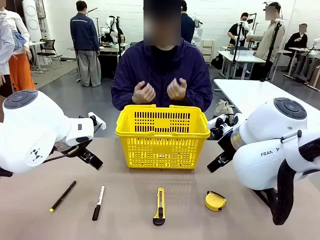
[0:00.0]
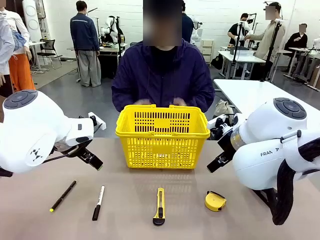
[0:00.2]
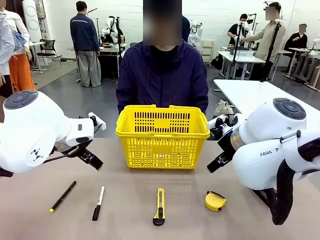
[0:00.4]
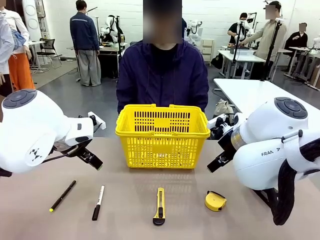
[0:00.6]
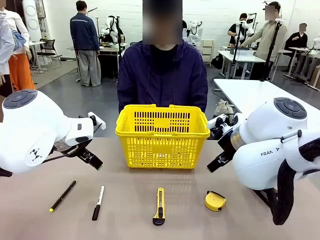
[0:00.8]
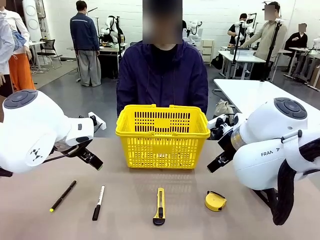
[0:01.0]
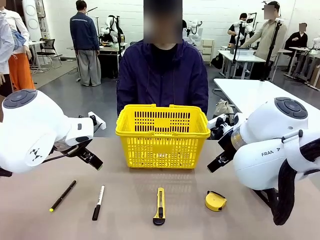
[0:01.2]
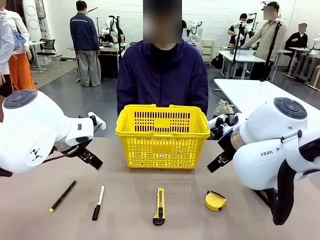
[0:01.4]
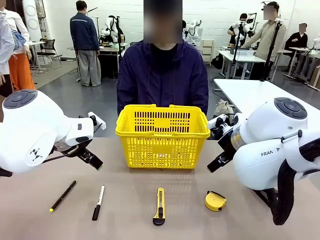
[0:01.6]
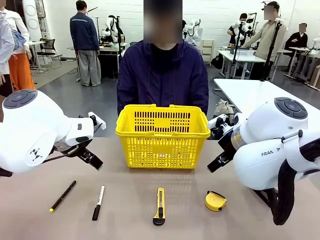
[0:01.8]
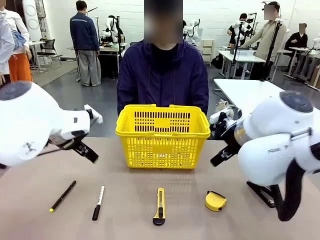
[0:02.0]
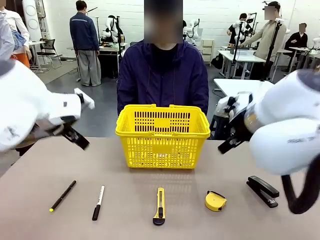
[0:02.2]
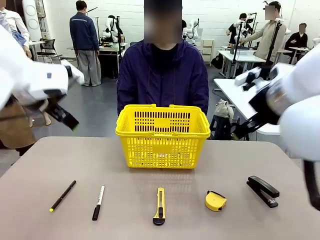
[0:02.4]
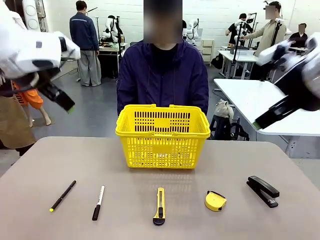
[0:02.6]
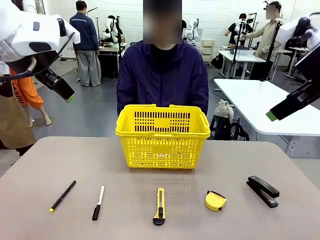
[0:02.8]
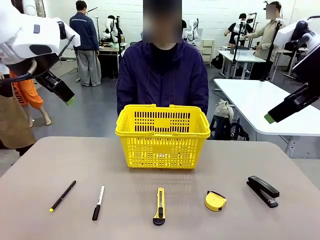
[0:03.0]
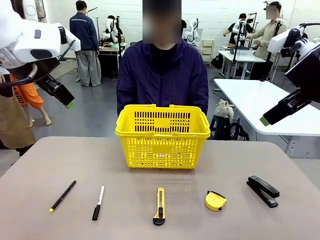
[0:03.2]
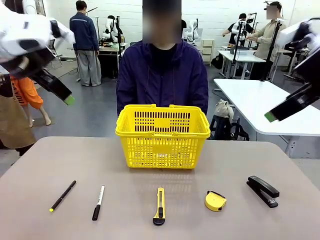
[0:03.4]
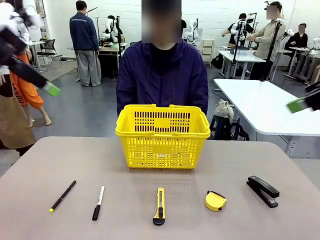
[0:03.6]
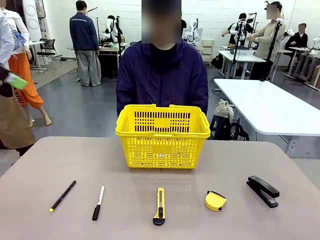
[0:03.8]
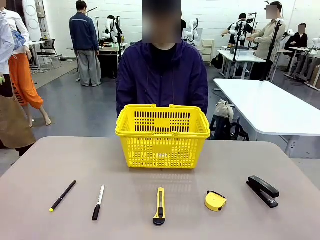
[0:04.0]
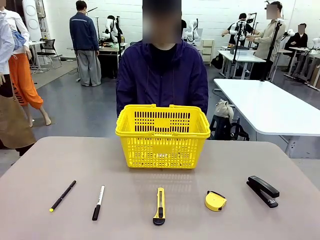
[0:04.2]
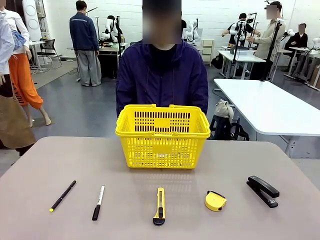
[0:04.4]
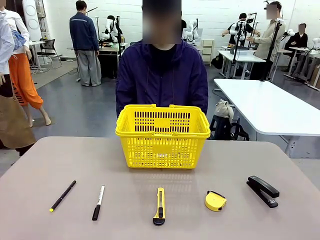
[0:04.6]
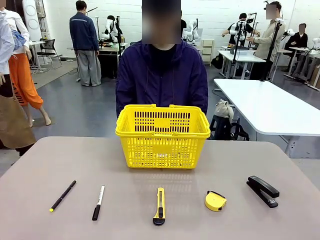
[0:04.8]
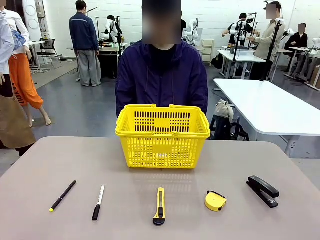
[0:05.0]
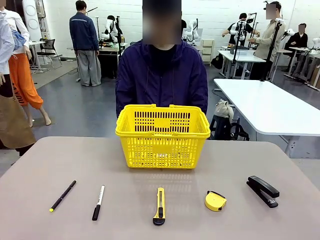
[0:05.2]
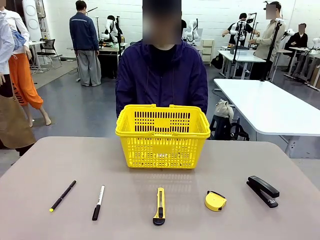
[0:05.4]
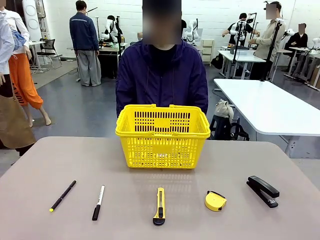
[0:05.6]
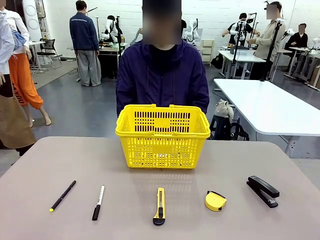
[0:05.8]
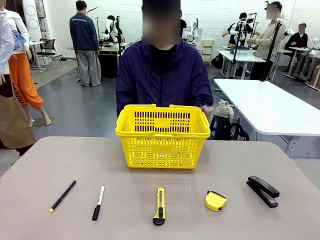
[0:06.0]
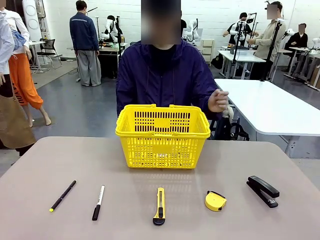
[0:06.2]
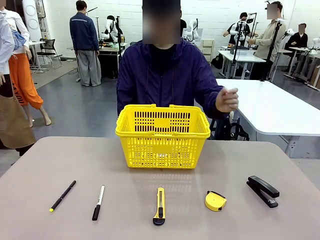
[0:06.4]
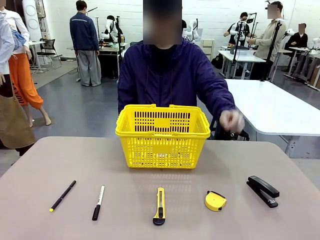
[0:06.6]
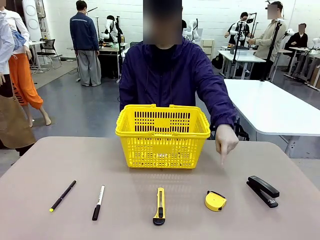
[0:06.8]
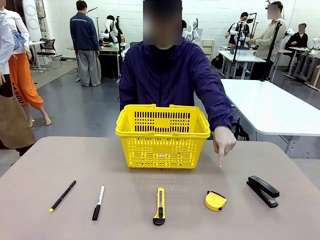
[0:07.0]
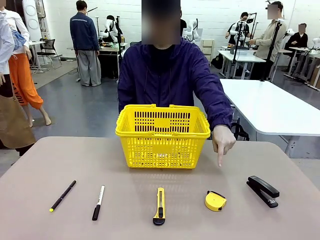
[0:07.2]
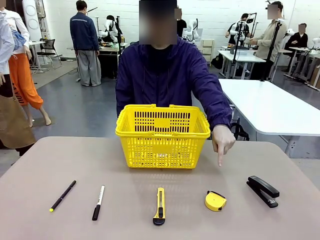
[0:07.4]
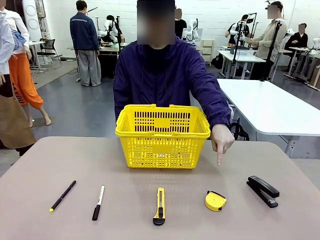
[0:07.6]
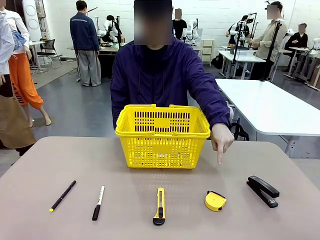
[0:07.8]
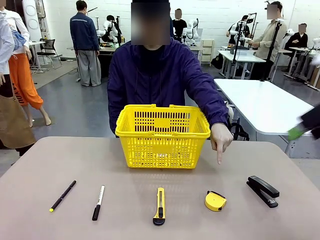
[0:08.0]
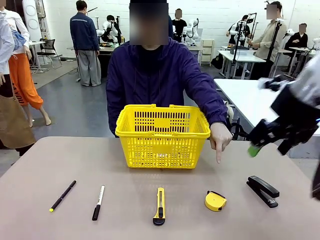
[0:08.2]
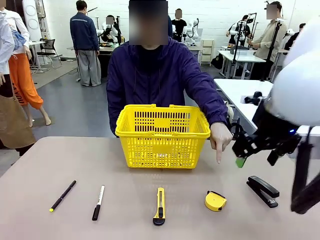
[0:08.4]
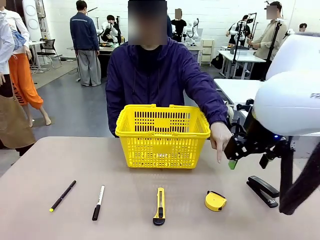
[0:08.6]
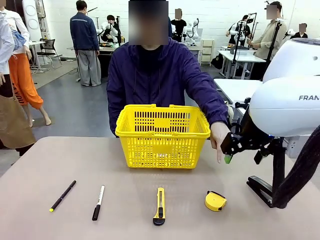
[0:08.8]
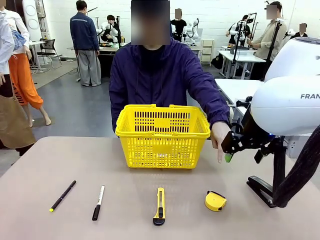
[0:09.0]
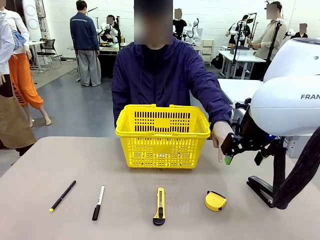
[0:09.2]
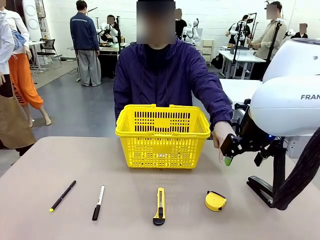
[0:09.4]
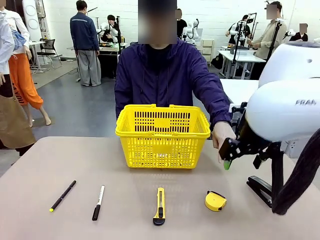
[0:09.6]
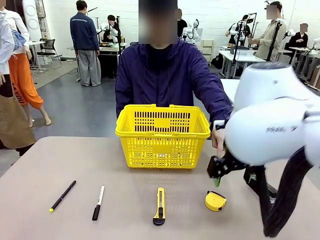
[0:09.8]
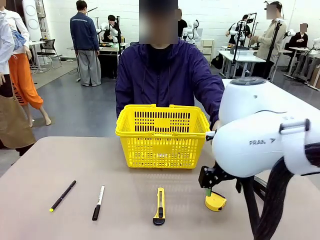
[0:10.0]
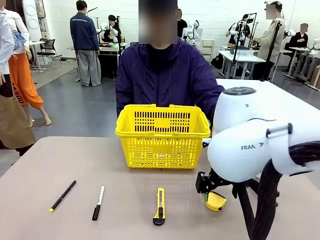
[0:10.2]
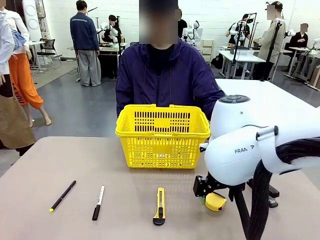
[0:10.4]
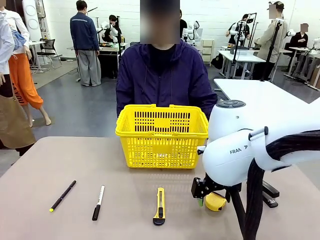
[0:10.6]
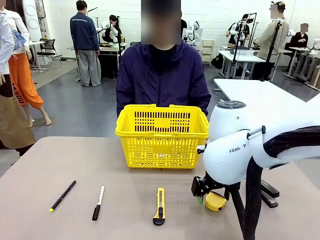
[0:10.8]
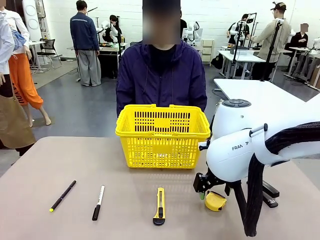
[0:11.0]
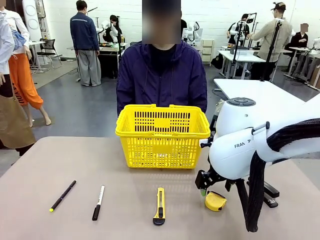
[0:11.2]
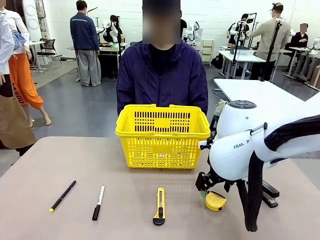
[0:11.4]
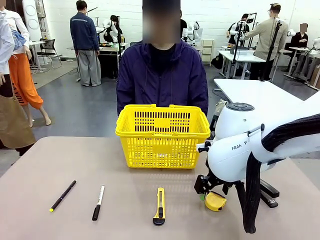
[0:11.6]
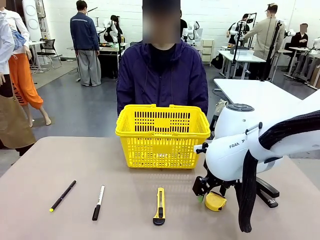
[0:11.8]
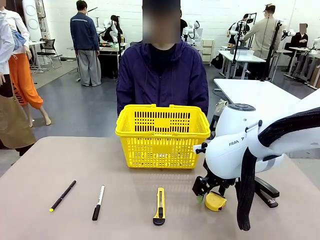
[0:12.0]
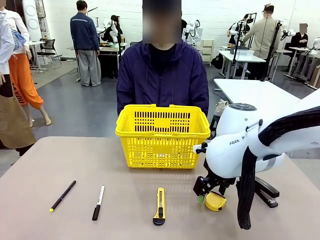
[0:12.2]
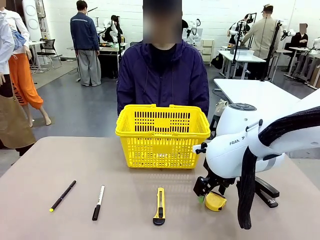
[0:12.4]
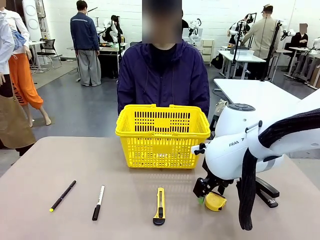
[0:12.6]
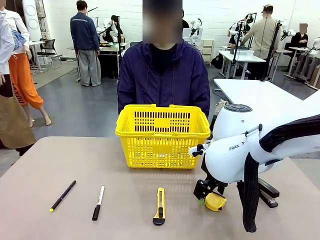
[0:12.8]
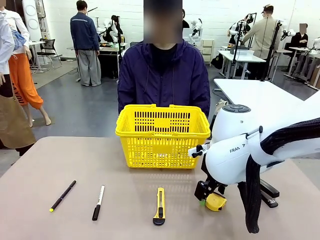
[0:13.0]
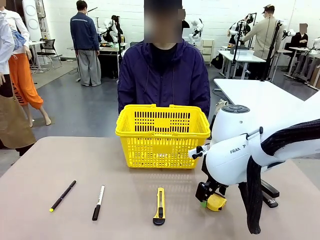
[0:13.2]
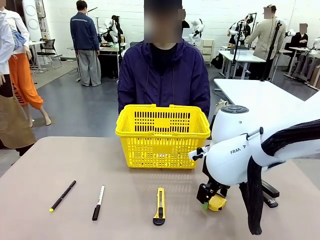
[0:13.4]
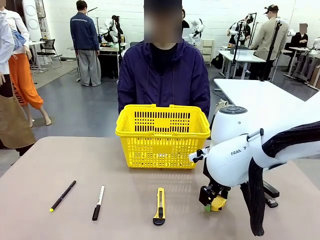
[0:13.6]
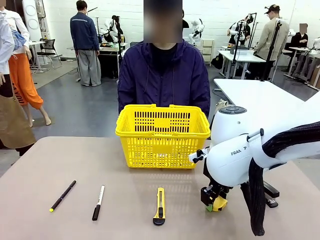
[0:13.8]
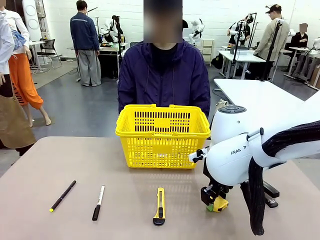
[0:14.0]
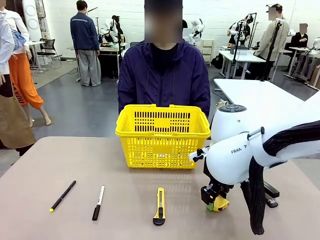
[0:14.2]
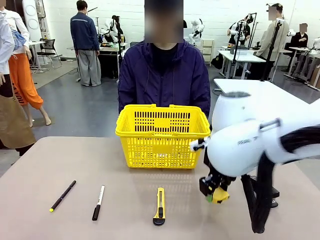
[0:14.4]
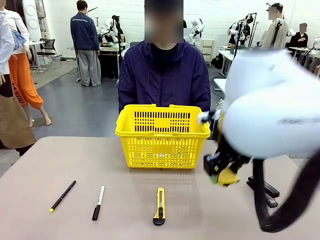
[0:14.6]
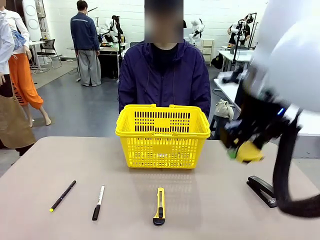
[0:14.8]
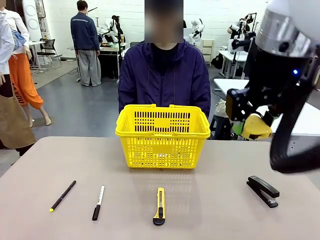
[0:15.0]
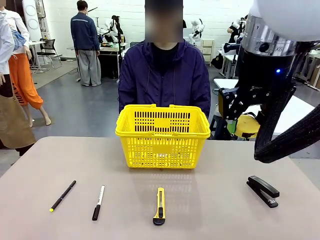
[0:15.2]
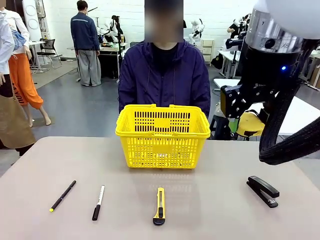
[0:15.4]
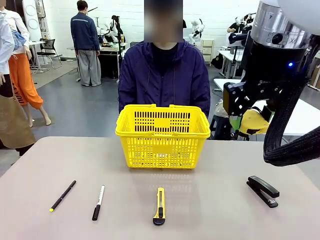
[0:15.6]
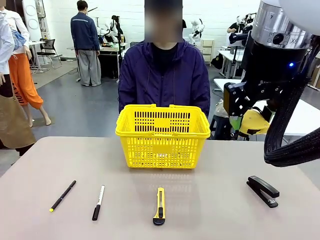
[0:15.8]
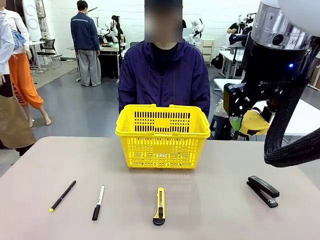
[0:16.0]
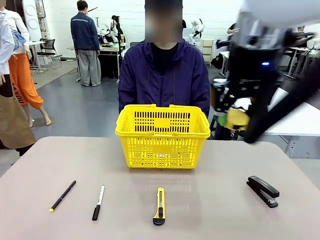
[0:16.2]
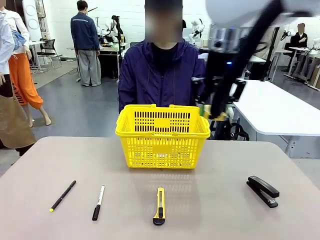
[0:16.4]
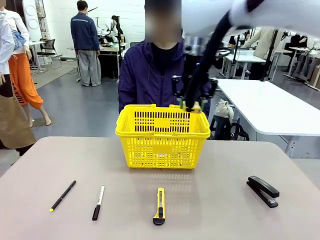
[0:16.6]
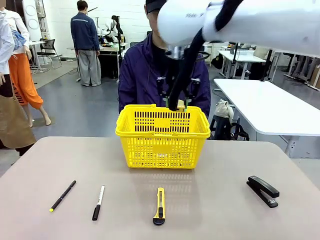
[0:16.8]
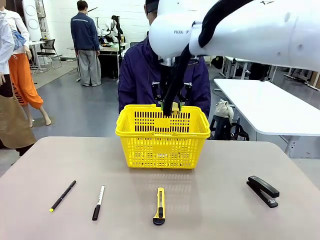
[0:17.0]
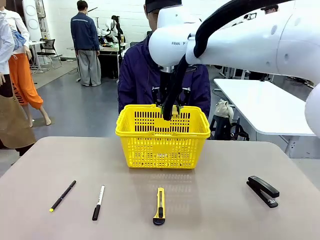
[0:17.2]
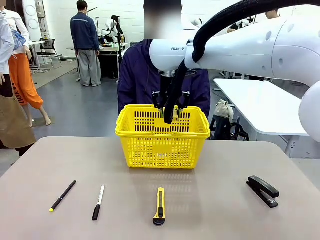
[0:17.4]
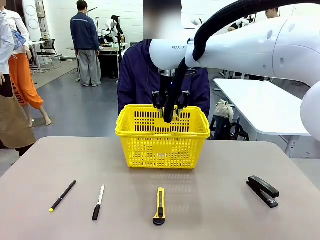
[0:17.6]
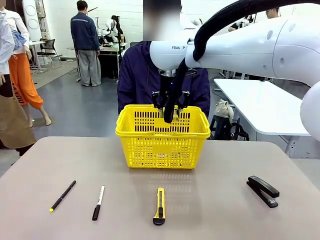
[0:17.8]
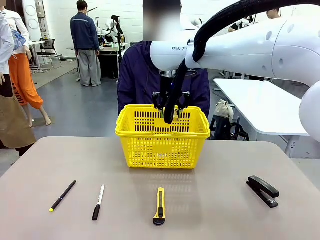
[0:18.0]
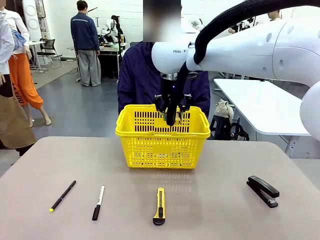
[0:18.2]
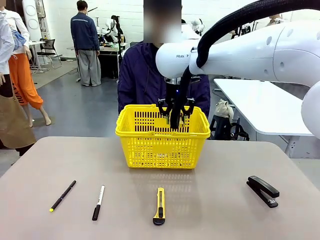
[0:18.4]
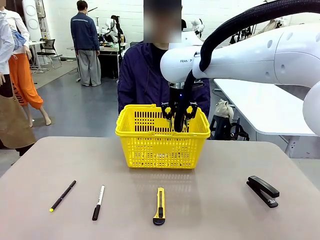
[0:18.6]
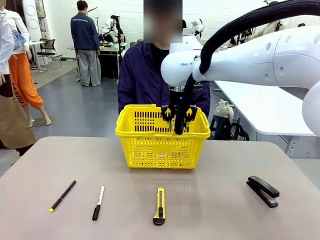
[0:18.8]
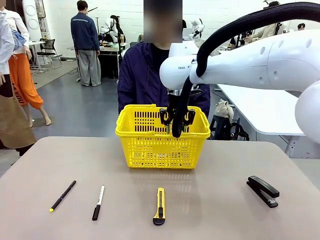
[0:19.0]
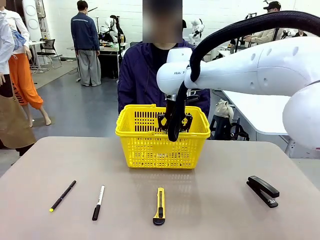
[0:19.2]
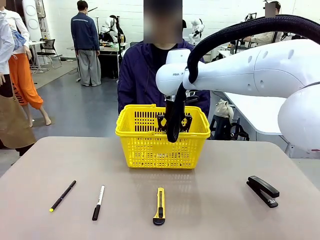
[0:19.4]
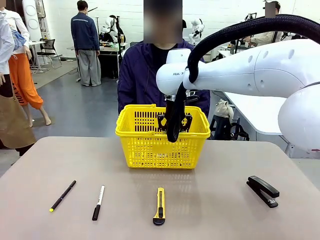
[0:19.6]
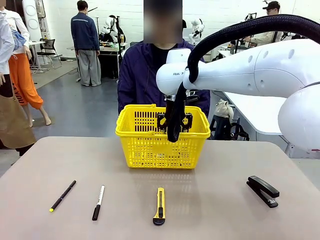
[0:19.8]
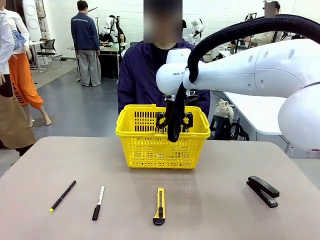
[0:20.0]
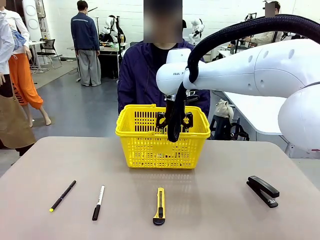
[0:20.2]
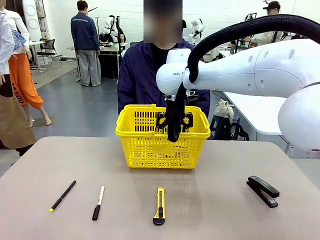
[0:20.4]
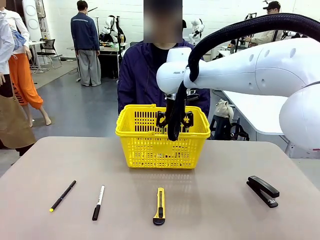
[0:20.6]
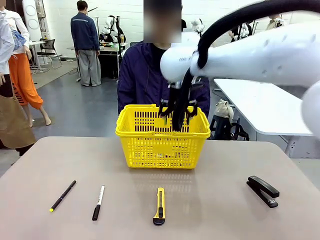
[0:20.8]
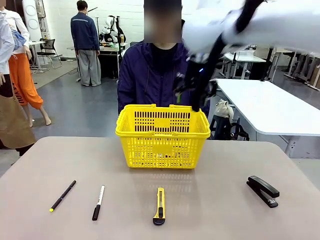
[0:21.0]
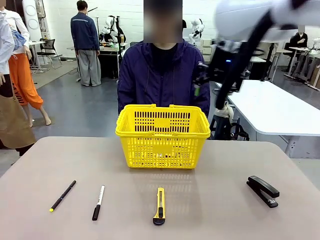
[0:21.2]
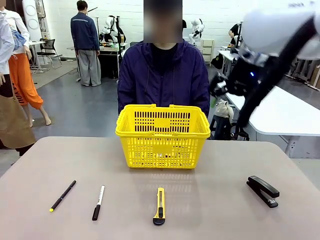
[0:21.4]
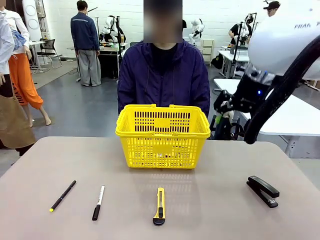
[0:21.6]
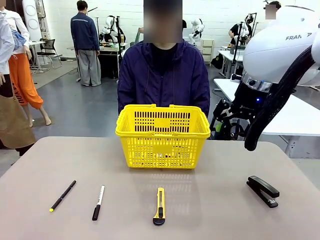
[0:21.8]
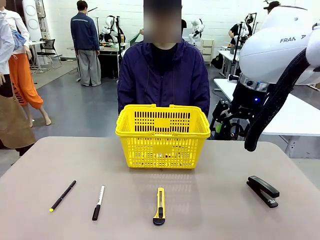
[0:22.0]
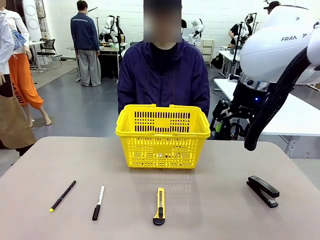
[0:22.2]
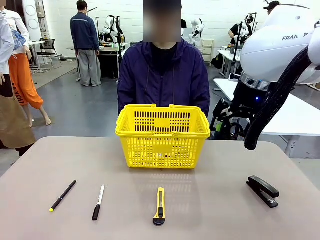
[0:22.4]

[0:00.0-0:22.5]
Task: Place the items the person wants into the basket.
Robot: Pick up the item the person points to and place it in the Market Basket.
